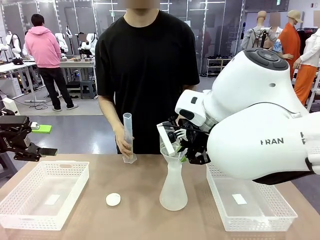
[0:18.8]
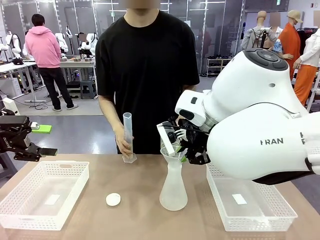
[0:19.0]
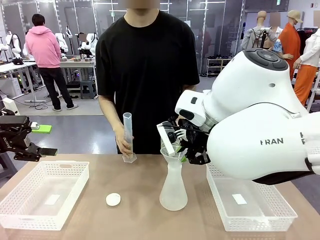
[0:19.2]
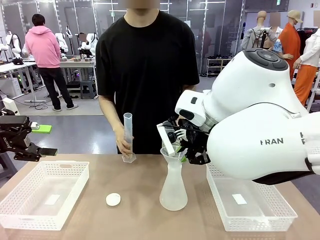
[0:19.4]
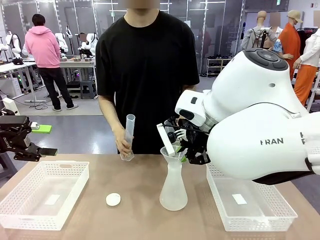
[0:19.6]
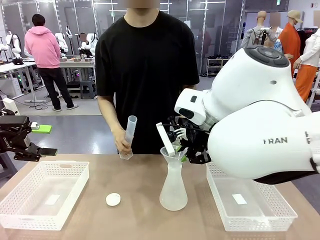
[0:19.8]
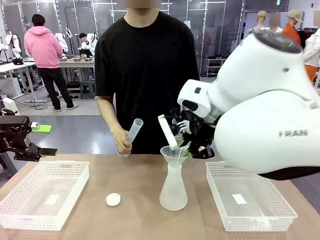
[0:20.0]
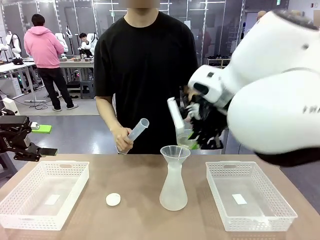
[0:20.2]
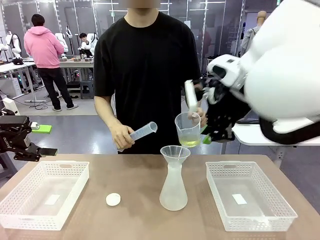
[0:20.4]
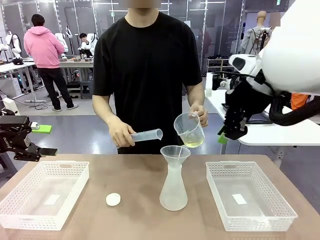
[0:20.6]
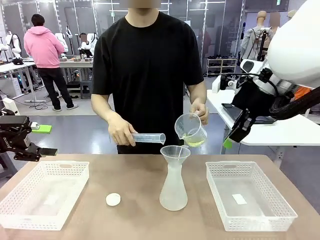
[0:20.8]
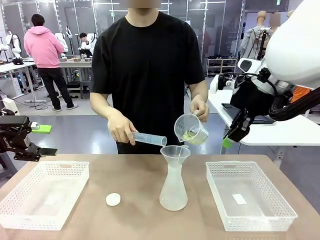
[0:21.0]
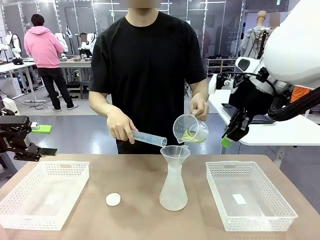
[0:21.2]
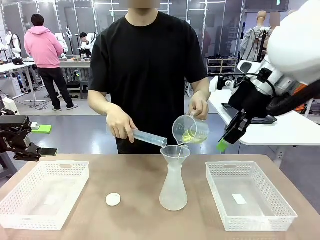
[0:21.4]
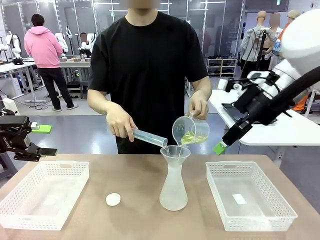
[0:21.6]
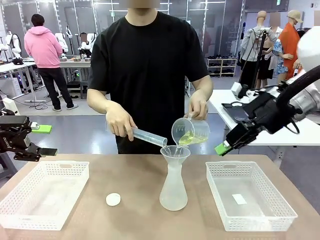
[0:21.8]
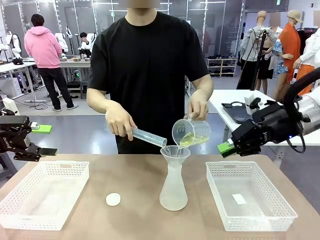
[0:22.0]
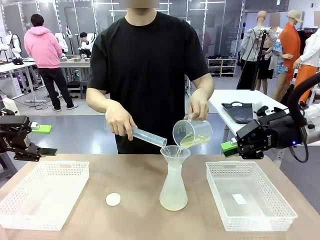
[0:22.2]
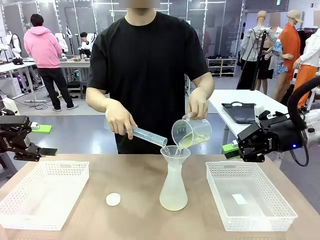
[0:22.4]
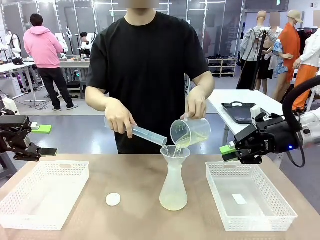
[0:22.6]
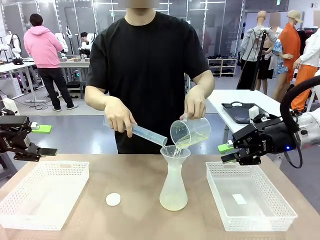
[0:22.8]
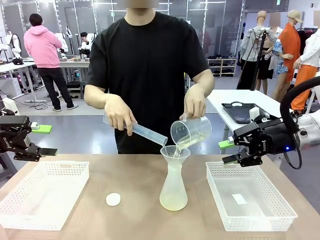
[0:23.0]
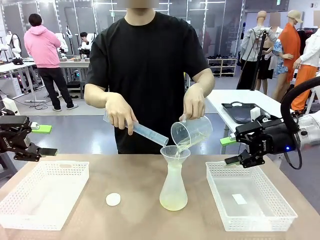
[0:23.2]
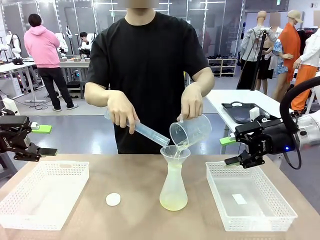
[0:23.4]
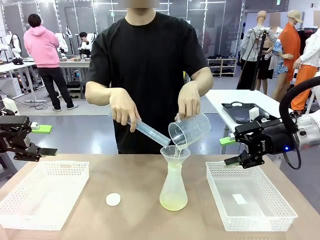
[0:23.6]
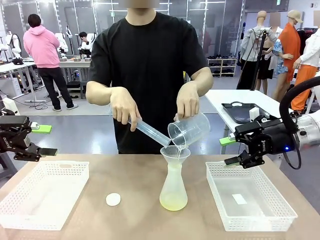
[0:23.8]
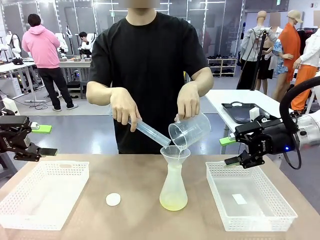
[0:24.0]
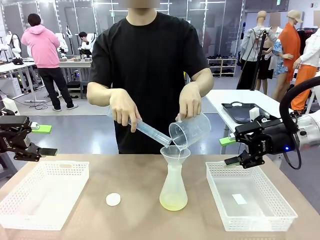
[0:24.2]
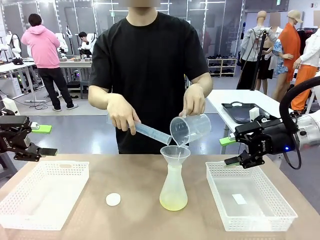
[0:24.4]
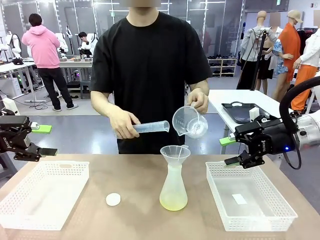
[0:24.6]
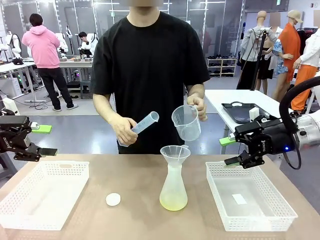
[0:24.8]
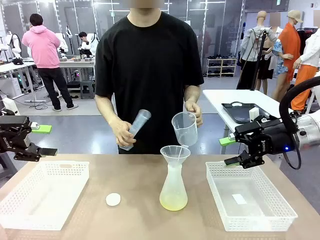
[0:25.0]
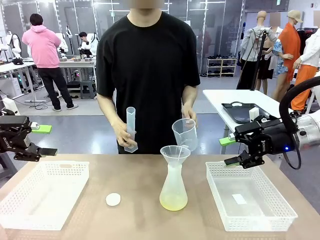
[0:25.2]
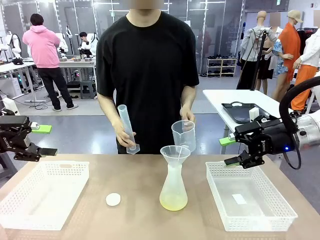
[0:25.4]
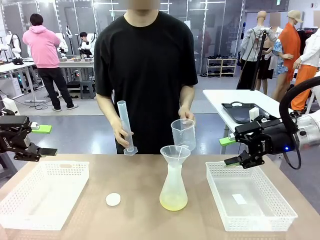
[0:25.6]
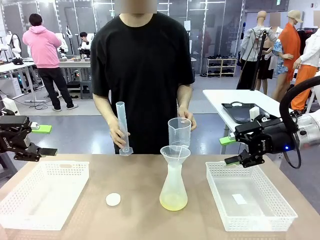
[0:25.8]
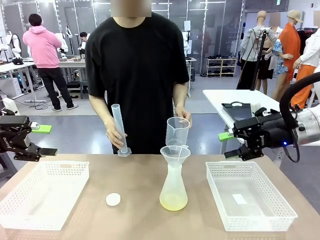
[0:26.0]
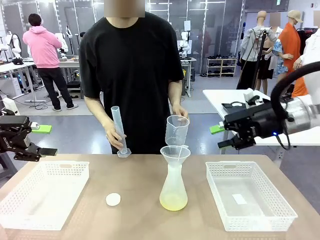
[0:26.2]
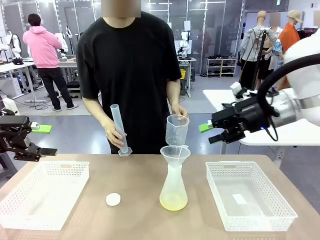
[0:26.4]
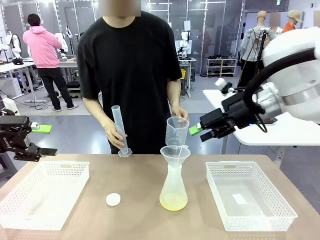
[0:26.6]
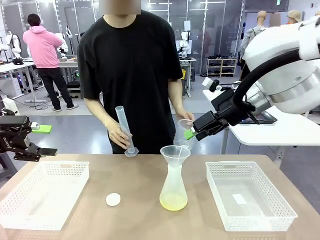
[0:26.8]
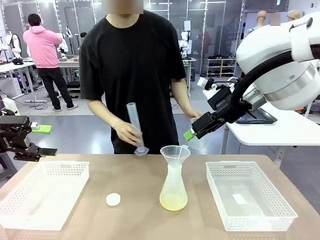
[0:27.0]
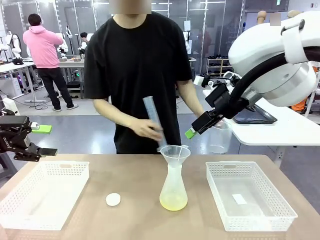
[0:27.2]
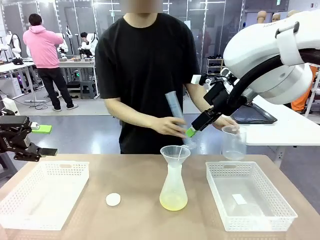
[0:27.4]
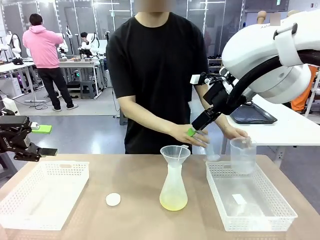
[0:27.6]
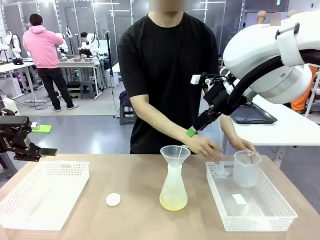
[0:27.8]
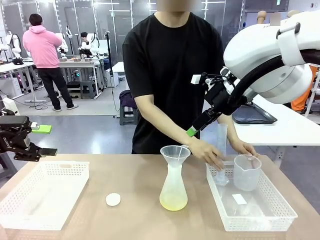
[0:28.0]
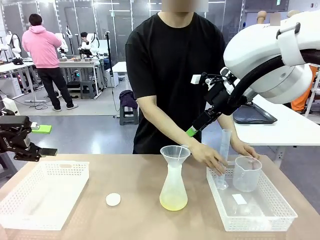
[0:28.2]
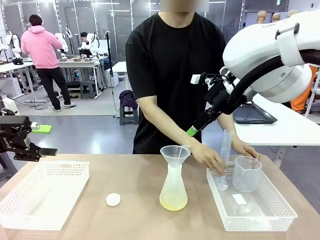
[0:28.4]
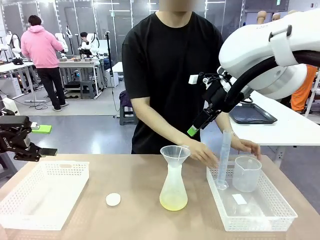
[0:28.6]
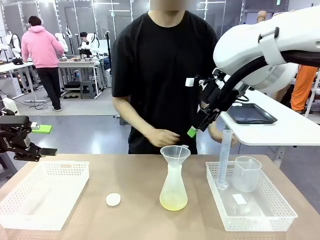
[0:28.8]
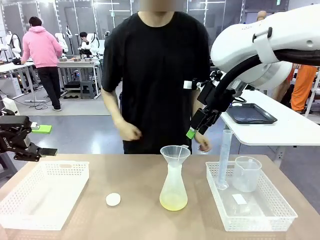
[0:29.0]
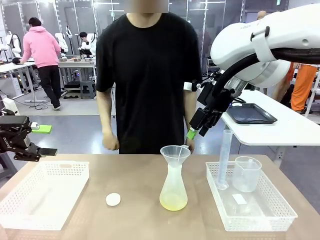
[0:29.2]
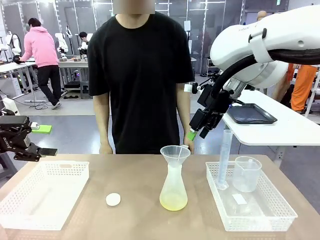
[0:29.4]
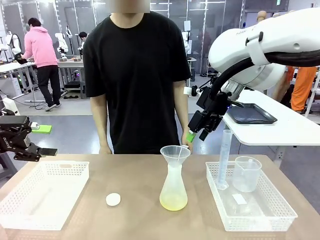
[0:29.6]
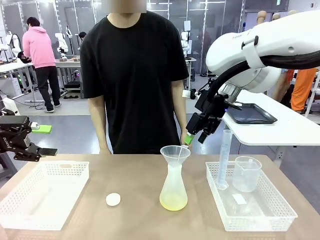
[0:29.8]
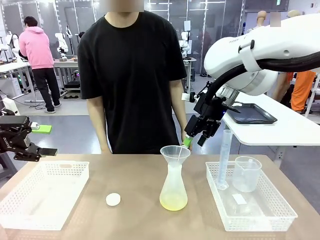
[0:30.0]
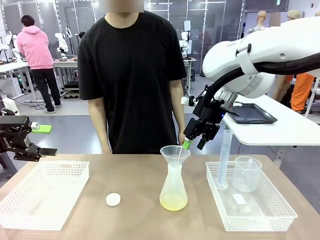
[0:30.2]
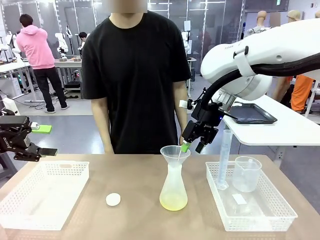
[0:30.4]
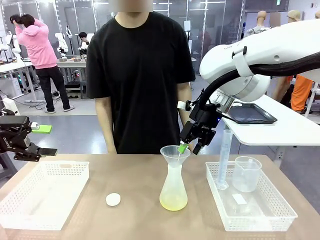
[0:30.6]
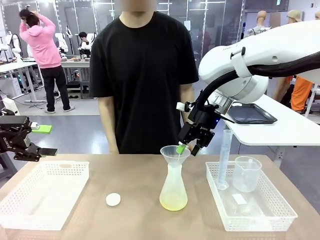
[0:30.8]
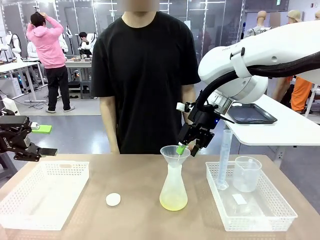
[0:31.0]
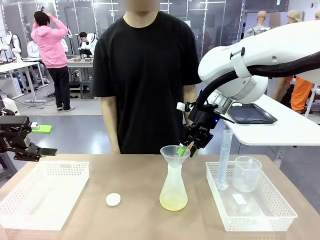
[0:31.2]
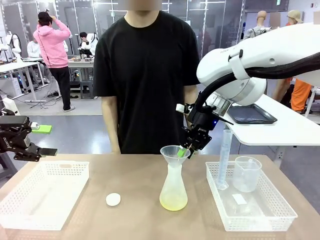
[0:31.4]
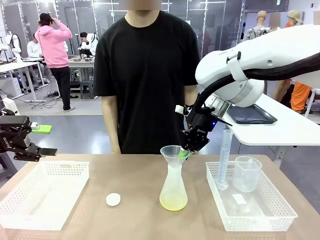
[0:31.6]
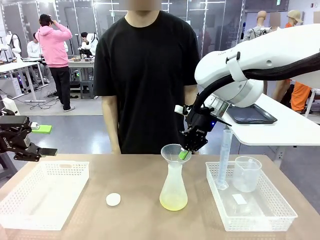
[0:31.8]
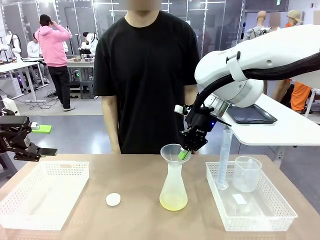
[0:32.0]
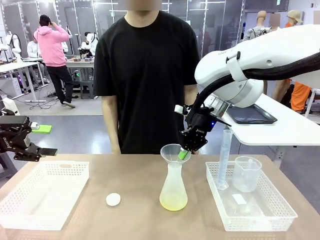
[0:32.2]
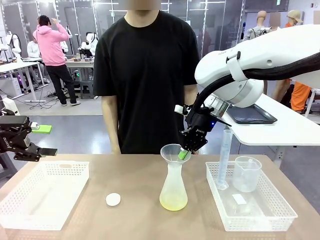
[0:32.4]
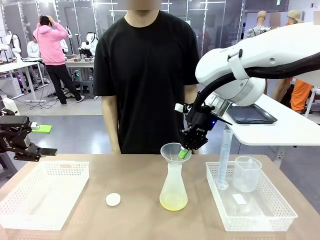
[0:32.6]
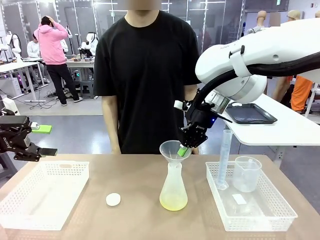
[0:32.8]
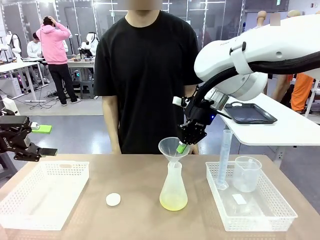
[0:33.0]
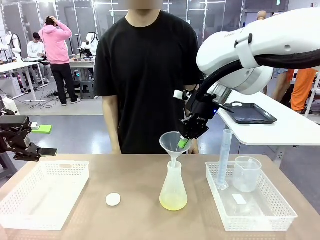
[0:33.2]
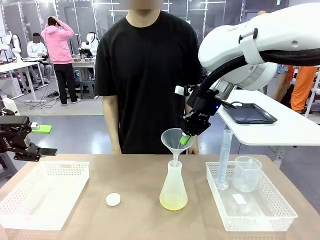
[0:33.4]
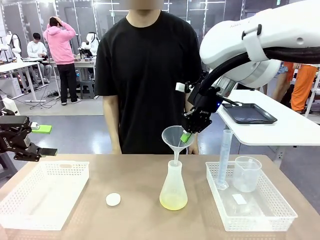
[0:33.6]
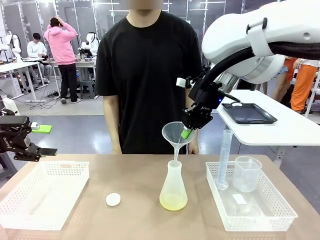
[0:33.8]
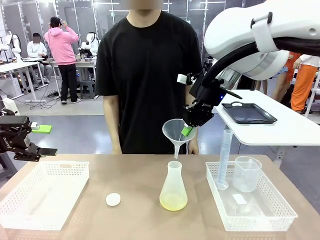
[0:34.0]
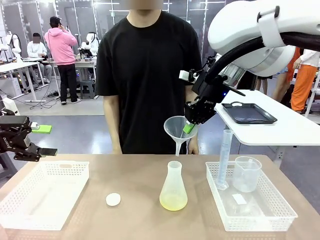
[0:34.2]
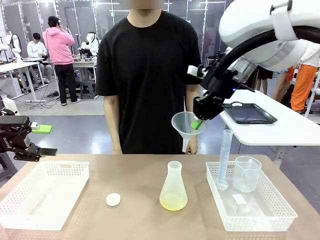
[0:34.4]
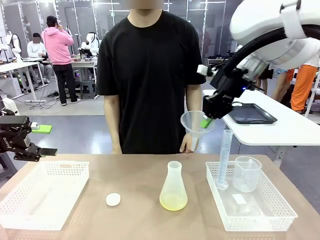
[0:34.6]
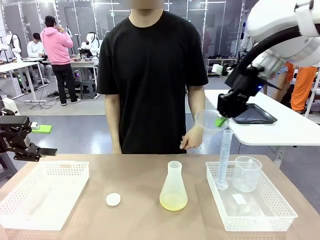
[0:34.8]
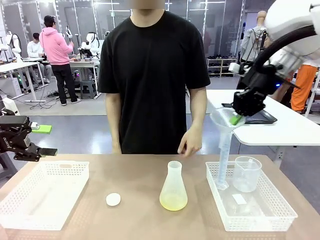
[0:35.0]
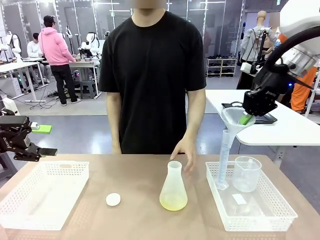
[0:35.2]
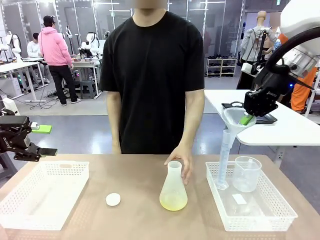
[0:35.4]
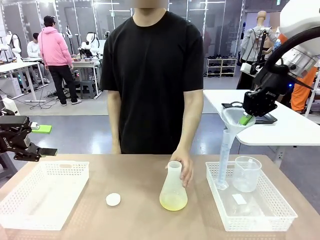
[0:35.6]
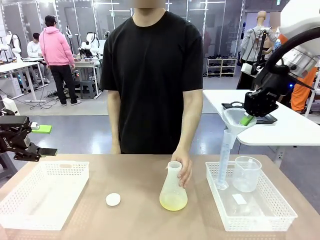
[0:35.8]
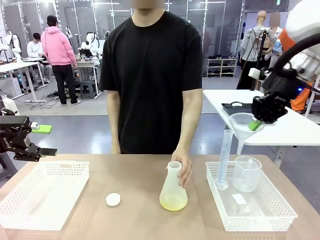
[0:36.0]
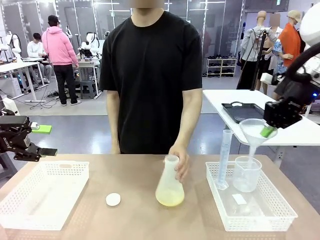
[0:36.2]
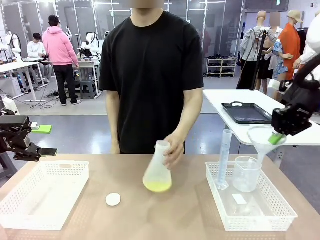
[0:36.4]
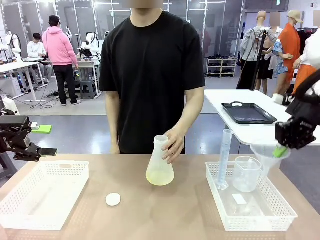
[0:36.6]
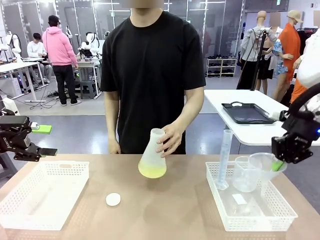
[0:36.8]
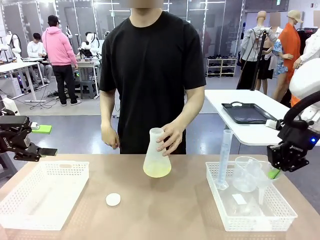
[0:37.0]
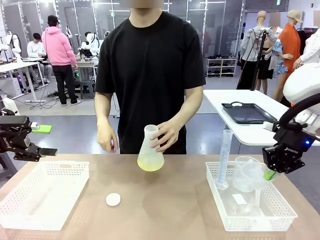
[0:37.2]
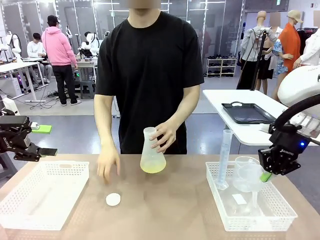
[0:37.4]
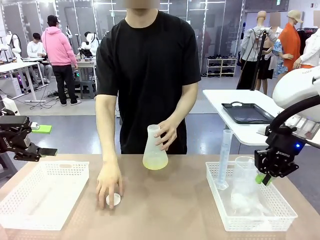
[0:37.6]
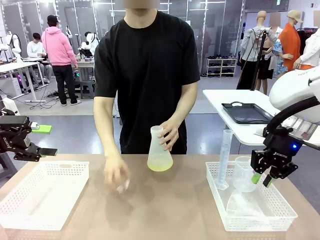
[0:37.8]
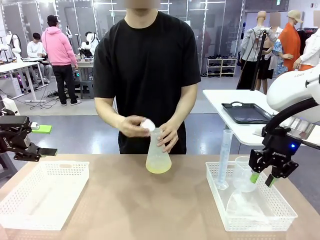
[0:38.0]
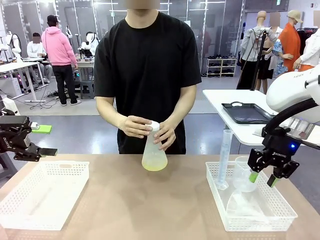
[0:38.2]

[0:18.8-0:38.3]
Task: Prepare the solutions needed for the experiment.
Robot: Once the solution is in the Big flask , pick up the Plastic Funnel and place it back into the right Organizing basket.
Person: Place the beaker and the cylinder into the organizing basket on the left side. Pick up the flask, gently shake it 2–3 times, place it in the middle of the robot table, and close the lid.
